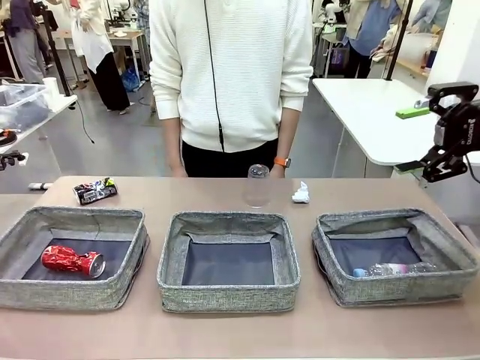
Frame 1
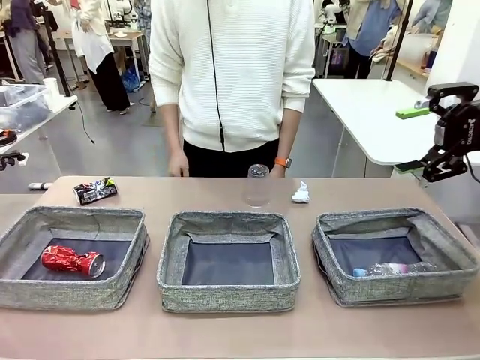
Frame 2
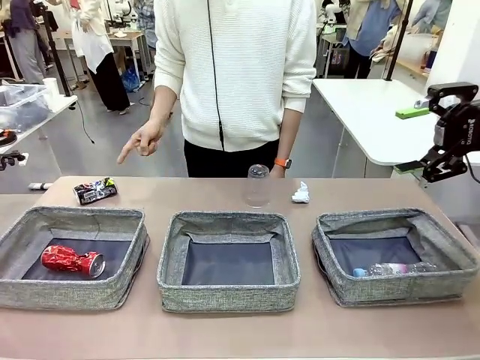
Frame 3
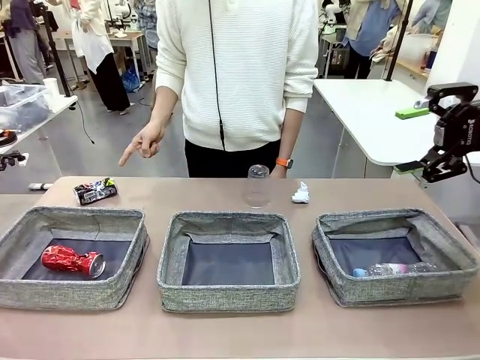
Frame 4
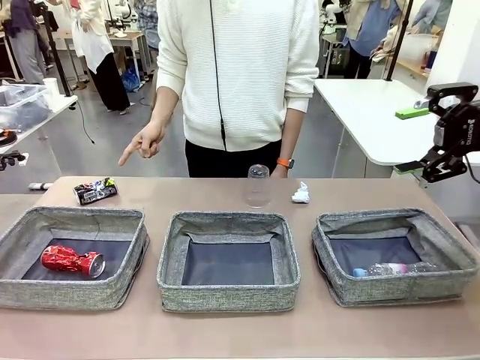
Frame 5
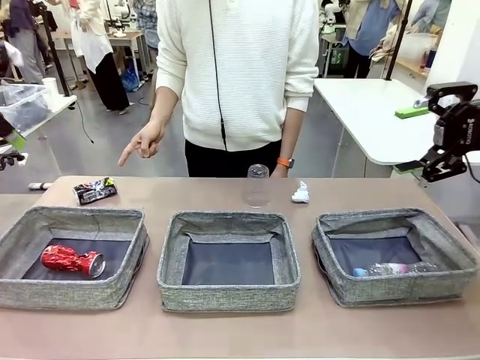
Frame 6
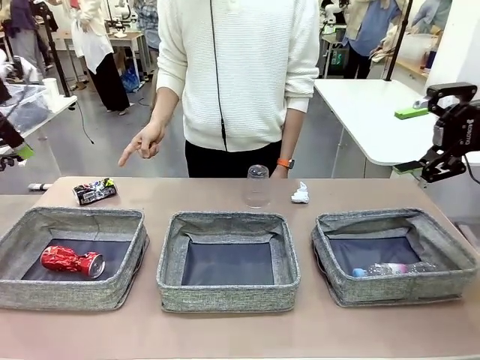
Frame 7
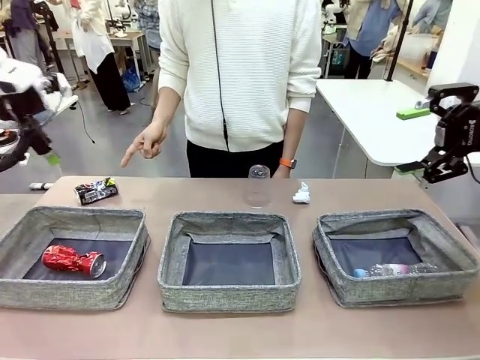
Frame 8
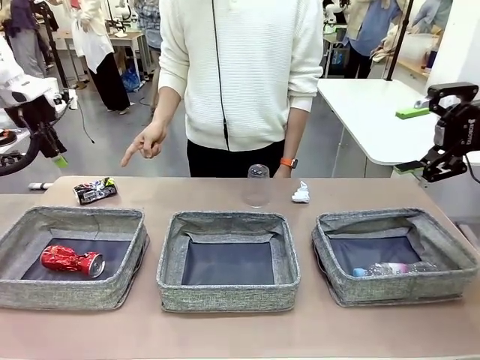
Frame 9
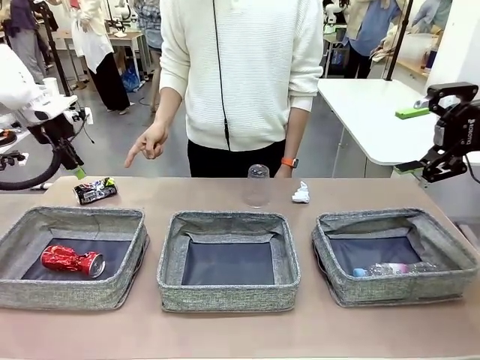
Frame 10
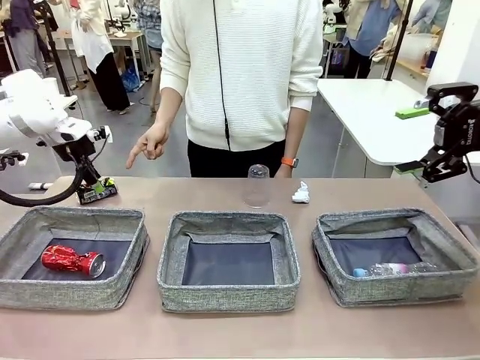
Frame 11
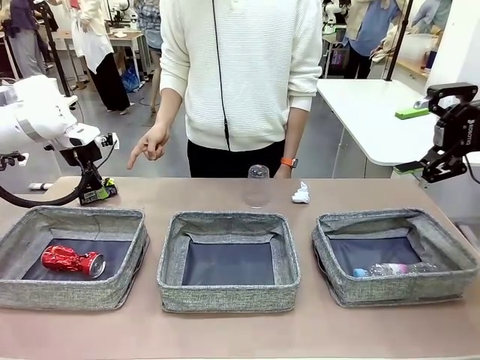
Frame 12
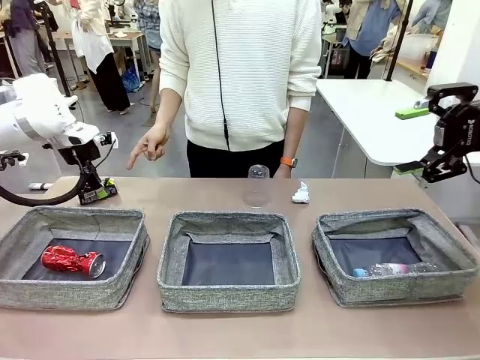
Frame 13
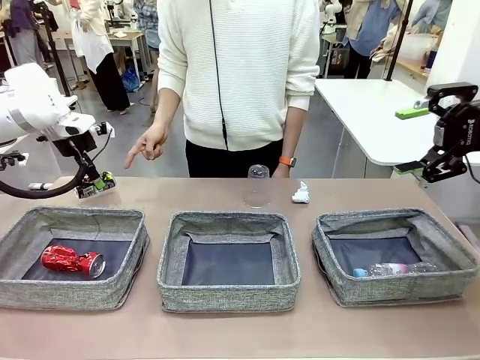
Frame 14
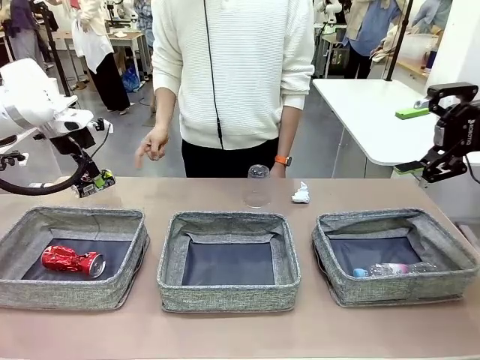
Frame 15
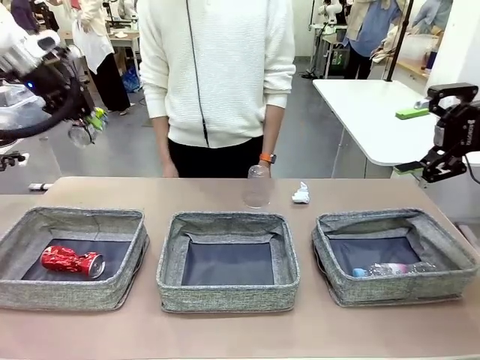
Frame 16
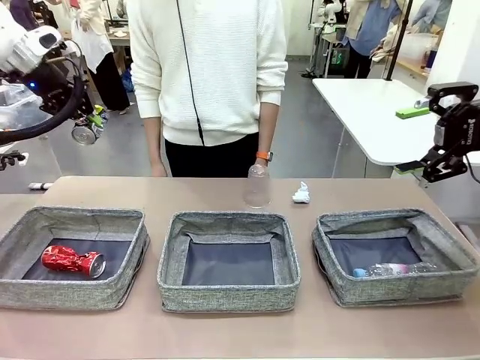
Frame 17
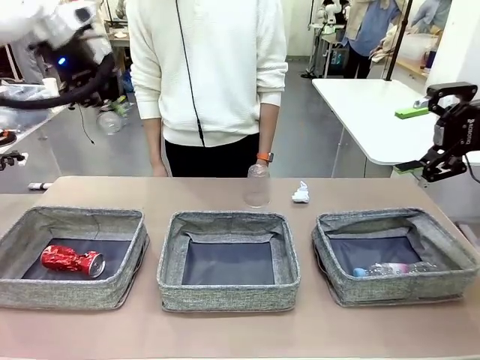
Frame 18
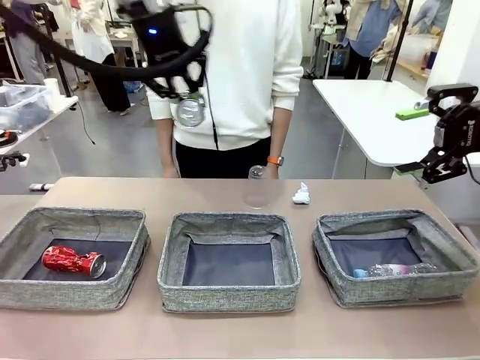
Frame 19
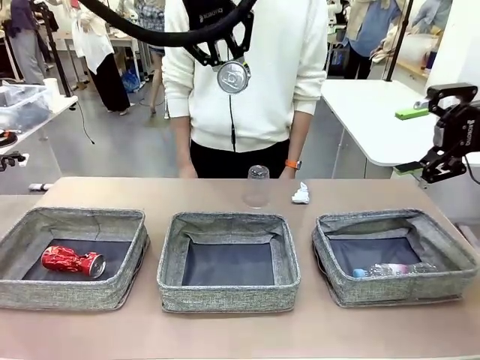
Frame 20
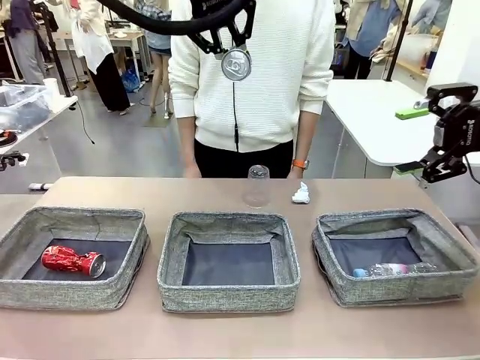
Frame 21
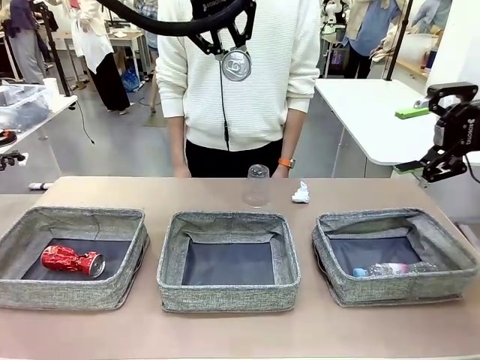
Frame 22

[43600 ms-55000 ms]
Task: Sort the waste into the appropriate baskets.
Robot: Pick up the waste item pointed out by the person.
Person: Points to one piece of trash on the table.

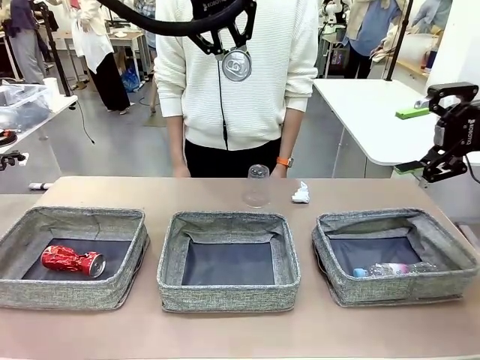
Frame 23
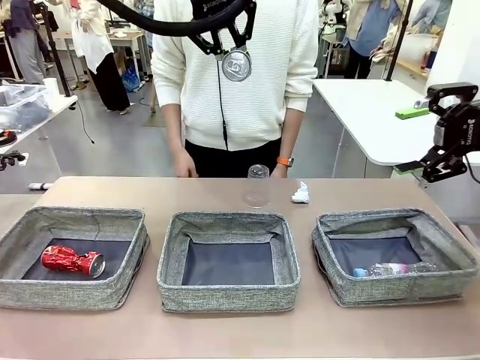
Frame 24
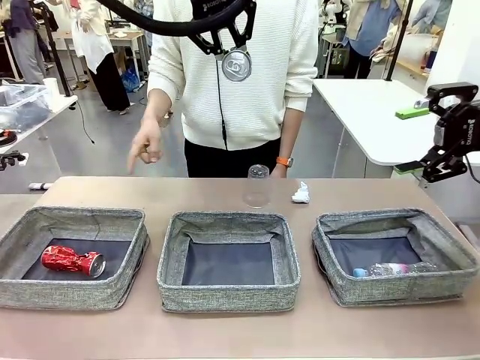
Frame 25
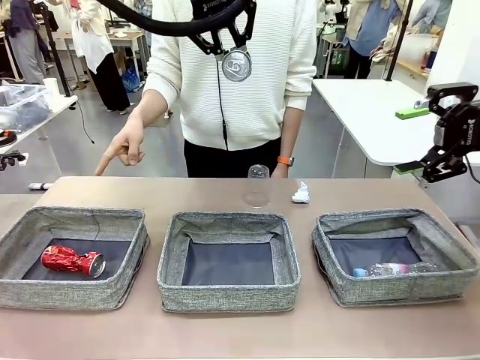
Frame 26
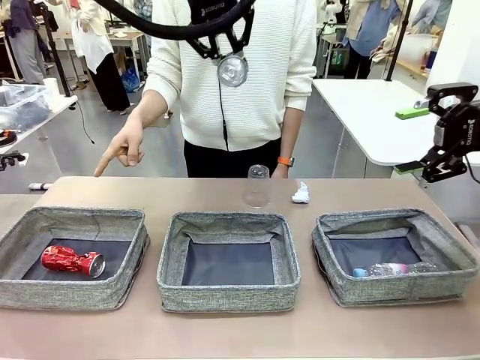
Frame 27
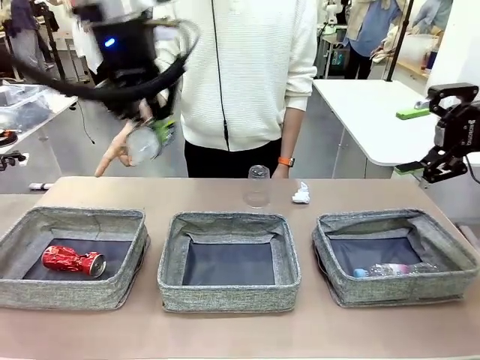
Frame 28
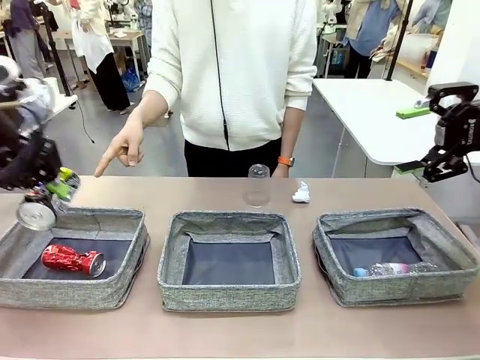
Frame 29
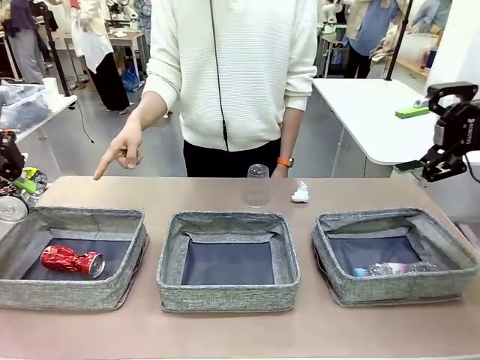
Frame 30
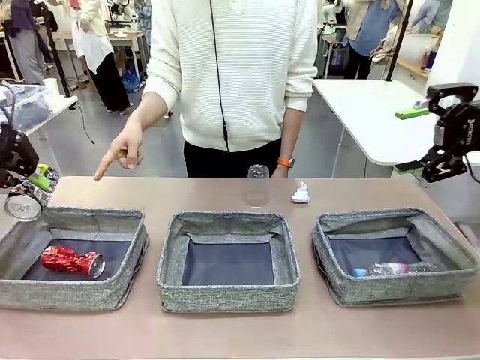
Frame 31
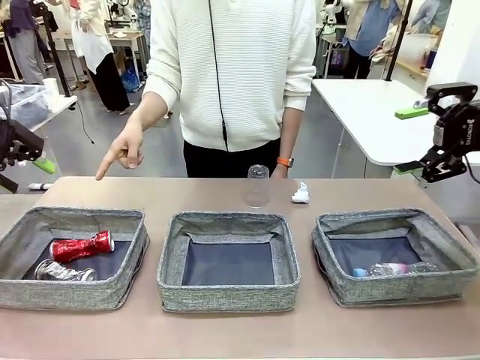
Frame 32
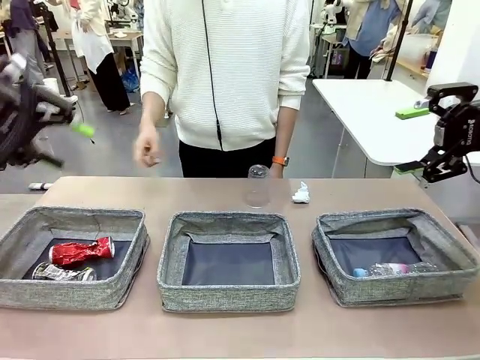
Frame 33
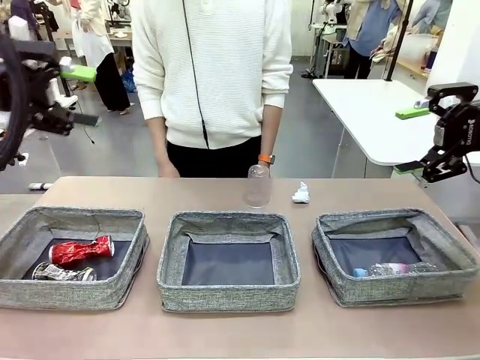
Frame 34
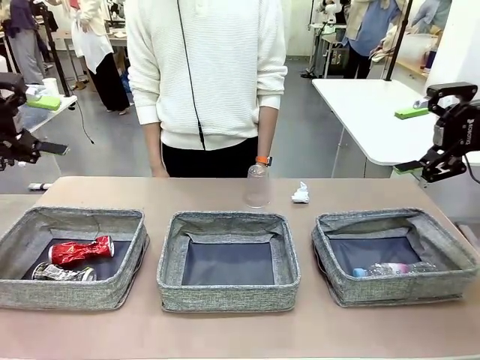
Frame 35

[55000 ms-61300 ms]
Robot: Place the picked waste into the Fabric basket indicated by the person.
Person: Instructs the robot to place the picked-up trash into the appropriate organizing basket.

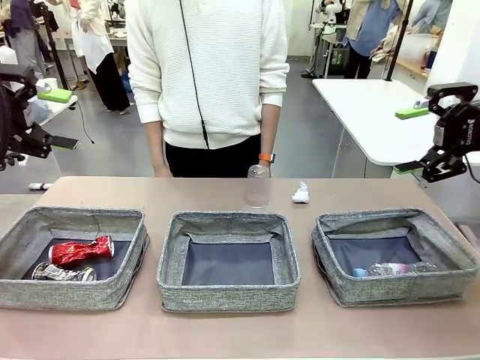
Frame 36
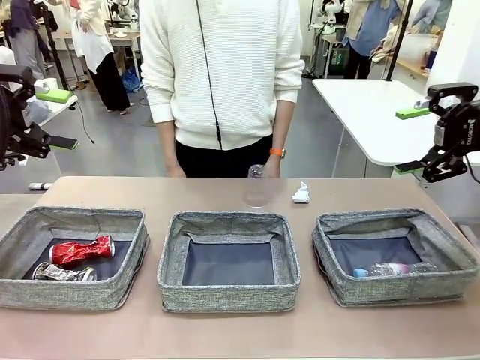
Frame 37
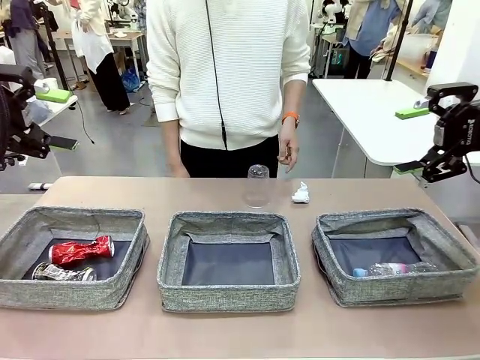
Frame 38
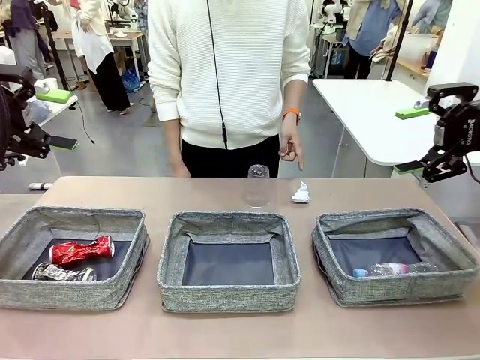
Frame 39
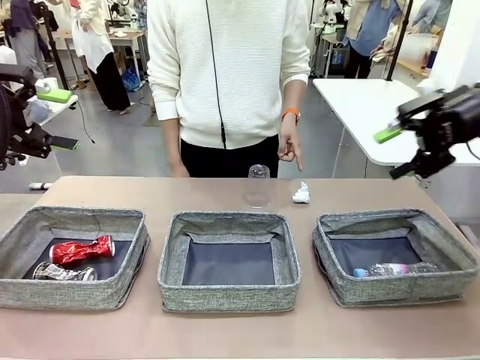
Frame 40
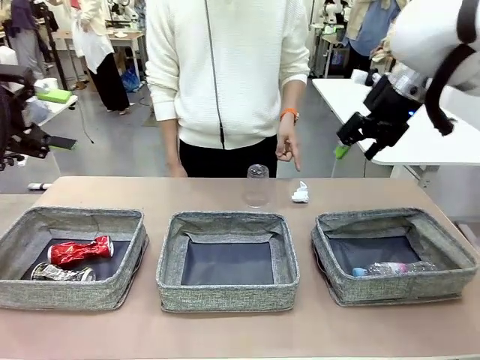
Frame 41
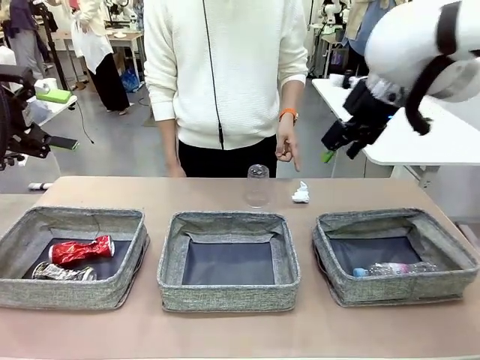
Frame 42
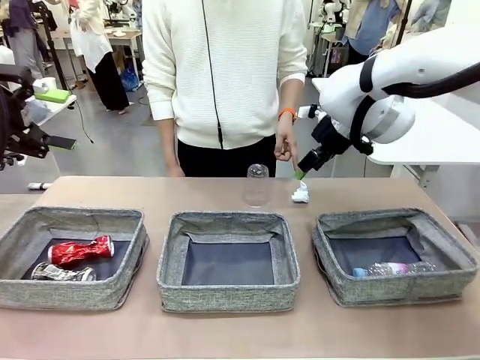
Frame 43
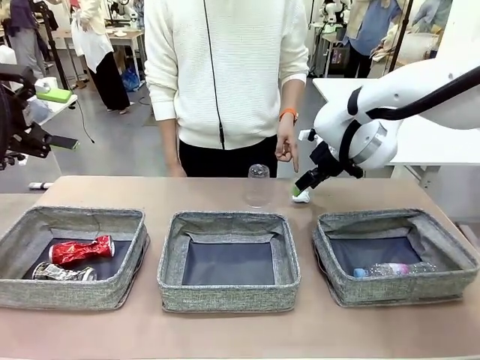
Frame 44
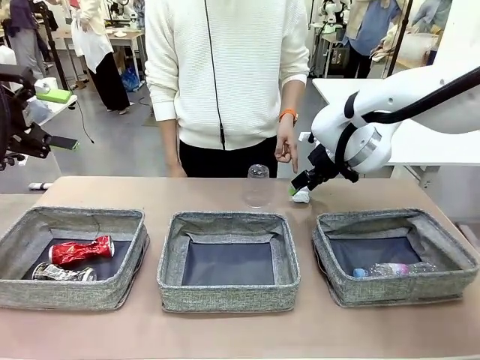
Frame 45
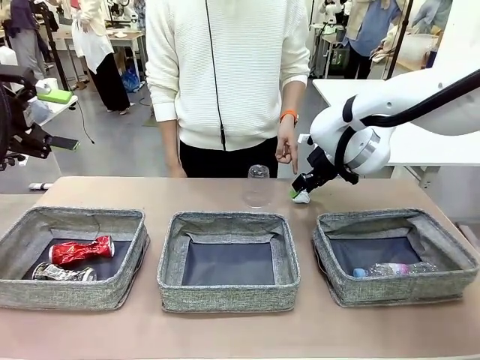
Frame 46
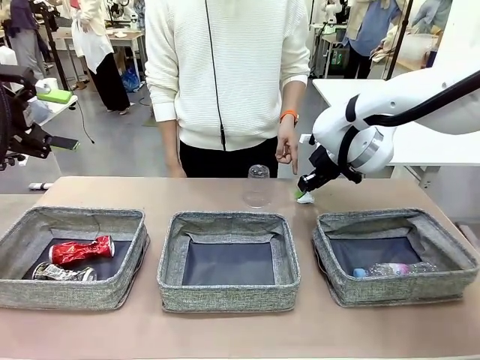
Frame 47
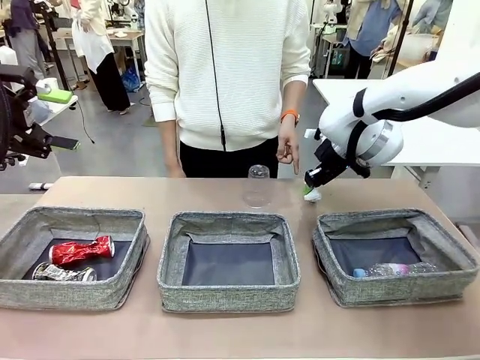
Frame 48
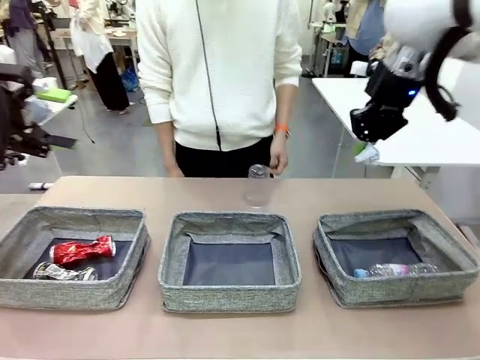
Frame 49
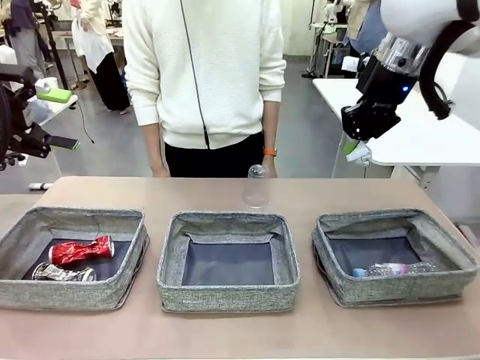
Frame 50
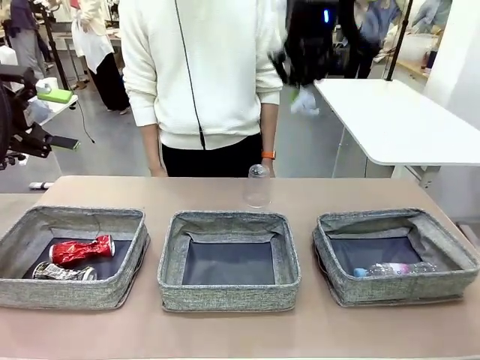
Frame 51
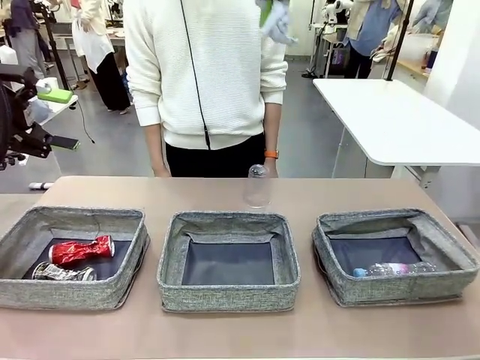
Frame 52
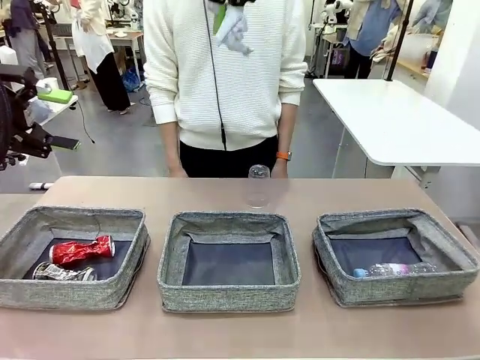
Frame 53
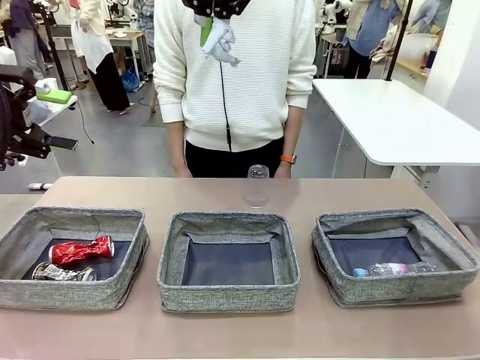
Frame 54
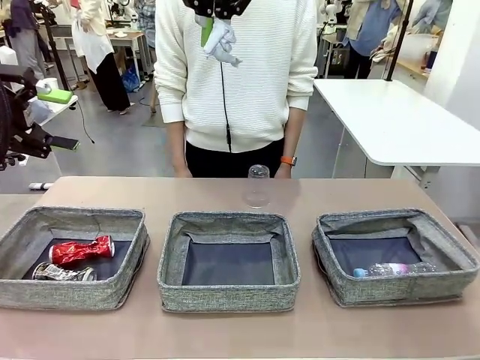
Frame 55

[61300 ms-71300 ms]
Robot: Pick up the waste item pointed out by the person.
Person: Points to one piece of trash on the table.
